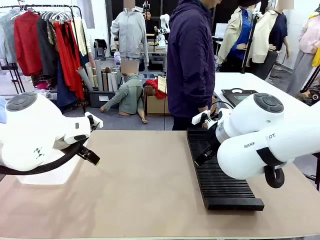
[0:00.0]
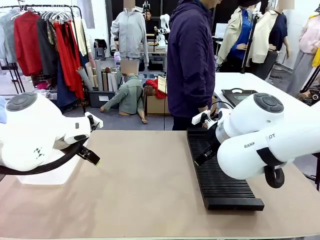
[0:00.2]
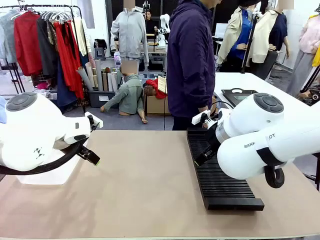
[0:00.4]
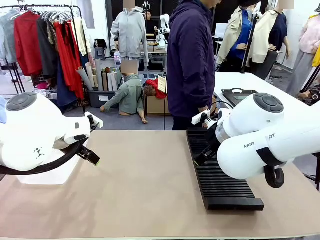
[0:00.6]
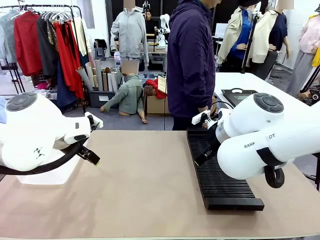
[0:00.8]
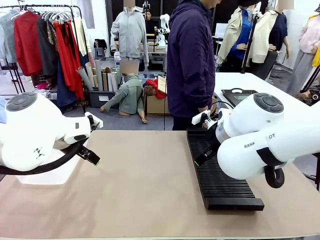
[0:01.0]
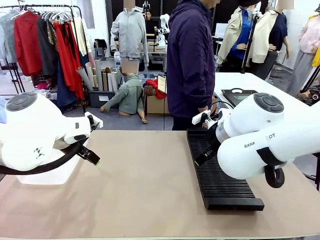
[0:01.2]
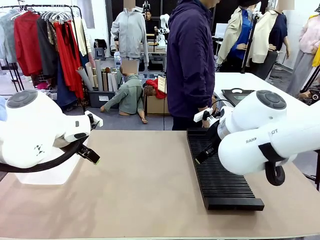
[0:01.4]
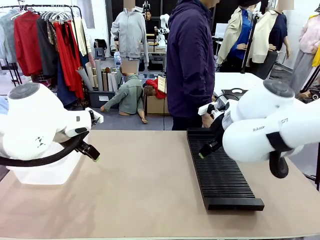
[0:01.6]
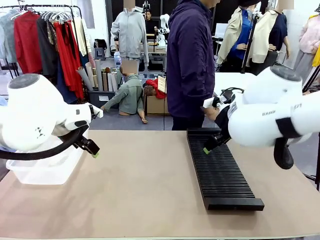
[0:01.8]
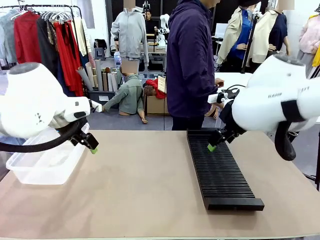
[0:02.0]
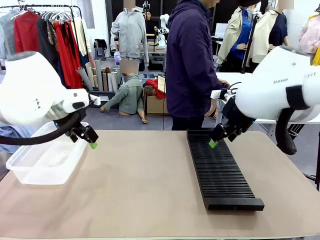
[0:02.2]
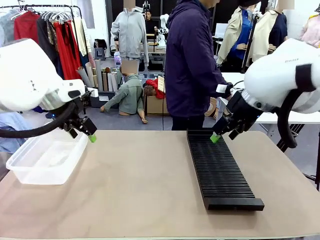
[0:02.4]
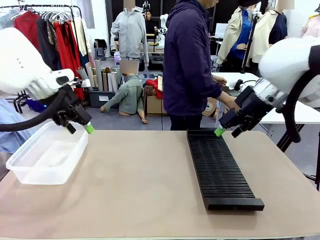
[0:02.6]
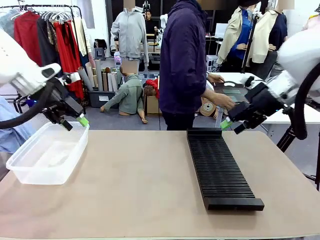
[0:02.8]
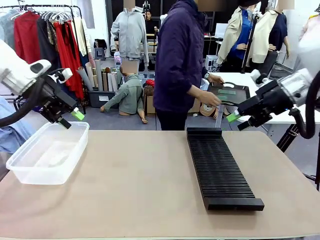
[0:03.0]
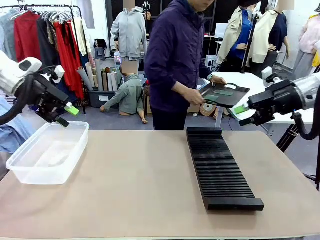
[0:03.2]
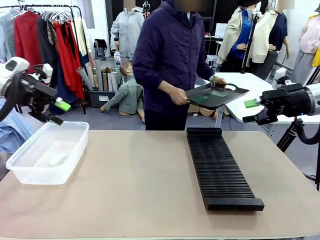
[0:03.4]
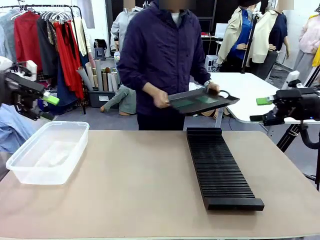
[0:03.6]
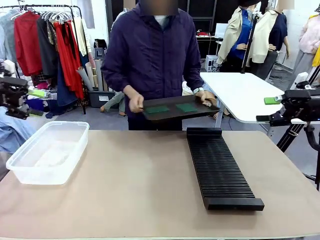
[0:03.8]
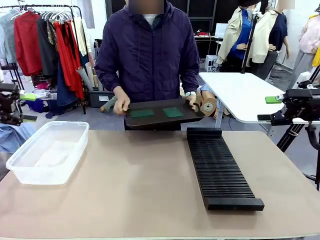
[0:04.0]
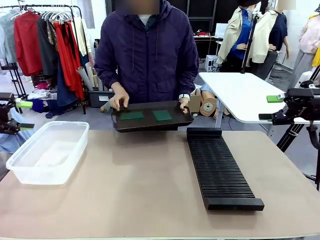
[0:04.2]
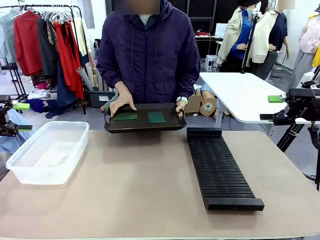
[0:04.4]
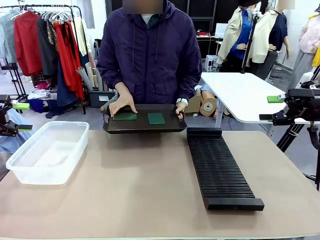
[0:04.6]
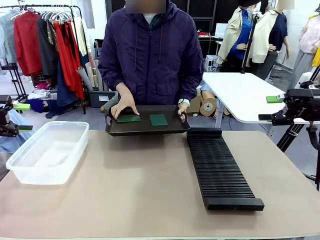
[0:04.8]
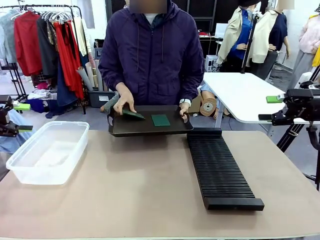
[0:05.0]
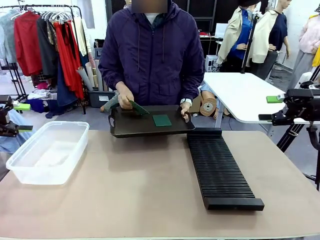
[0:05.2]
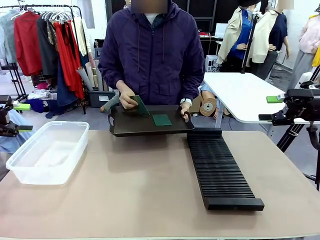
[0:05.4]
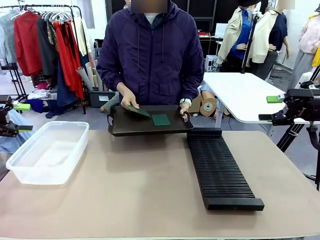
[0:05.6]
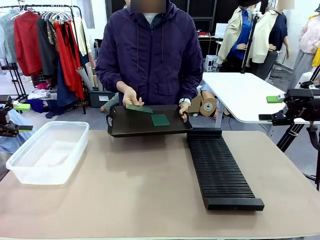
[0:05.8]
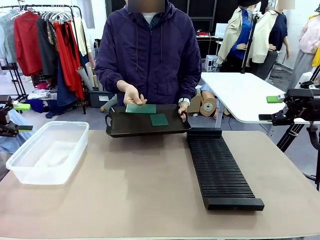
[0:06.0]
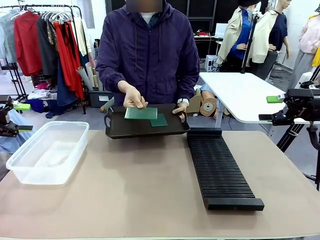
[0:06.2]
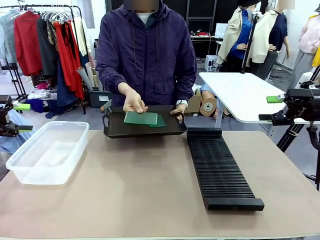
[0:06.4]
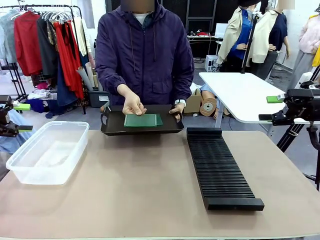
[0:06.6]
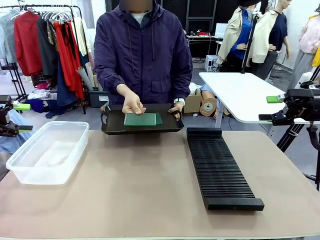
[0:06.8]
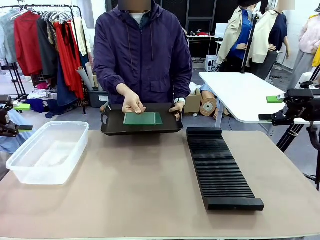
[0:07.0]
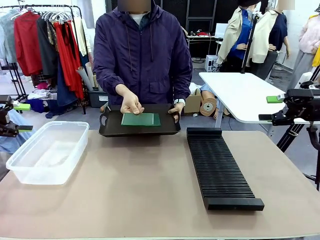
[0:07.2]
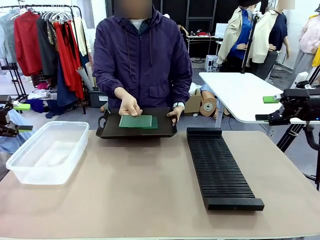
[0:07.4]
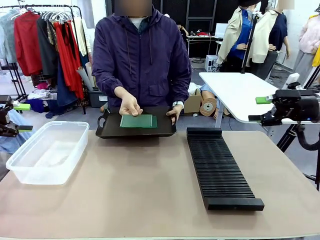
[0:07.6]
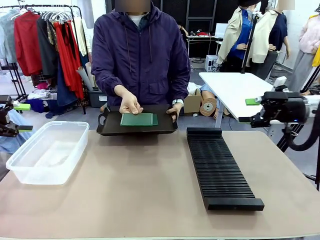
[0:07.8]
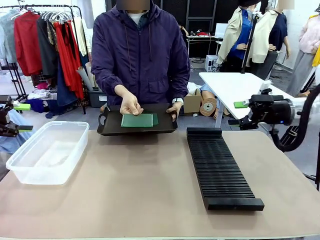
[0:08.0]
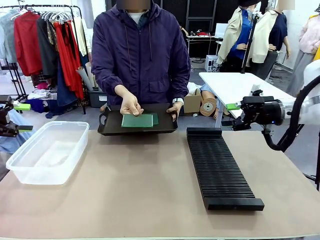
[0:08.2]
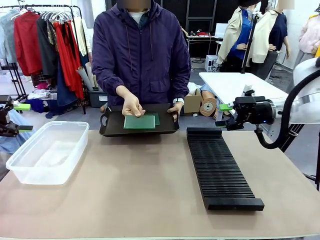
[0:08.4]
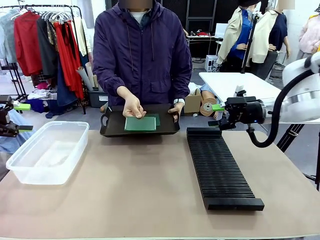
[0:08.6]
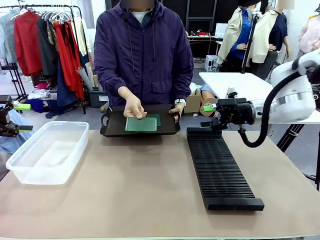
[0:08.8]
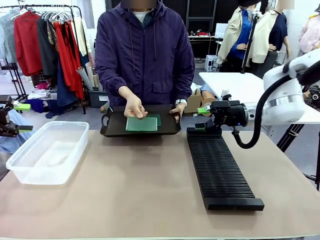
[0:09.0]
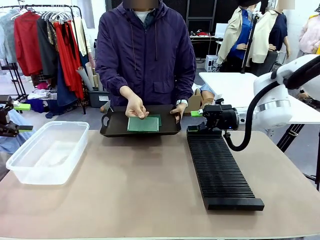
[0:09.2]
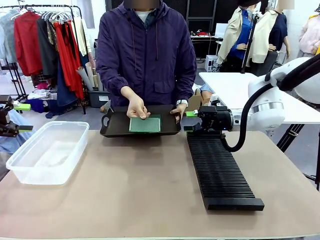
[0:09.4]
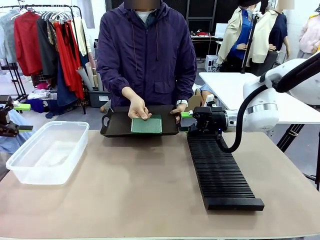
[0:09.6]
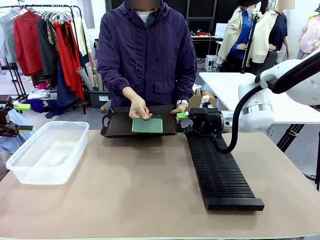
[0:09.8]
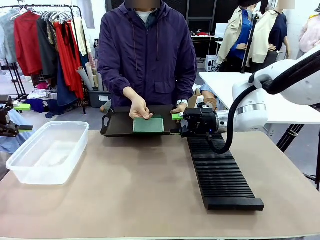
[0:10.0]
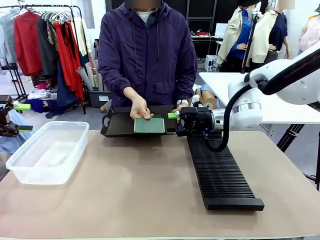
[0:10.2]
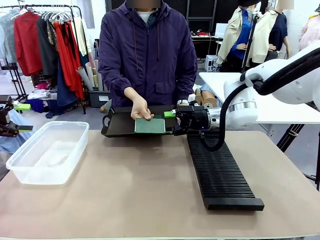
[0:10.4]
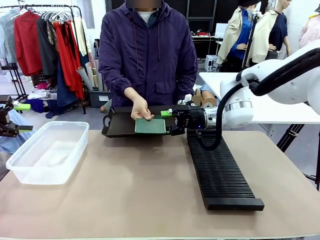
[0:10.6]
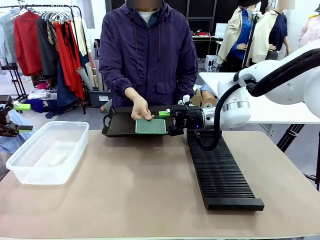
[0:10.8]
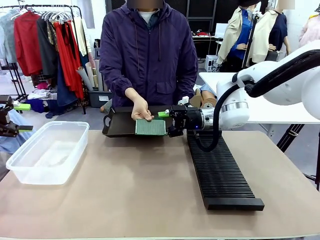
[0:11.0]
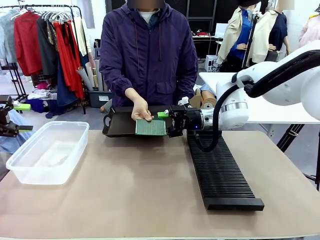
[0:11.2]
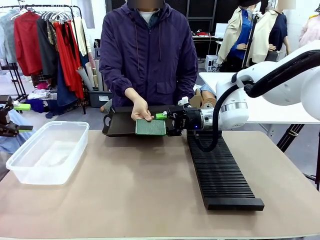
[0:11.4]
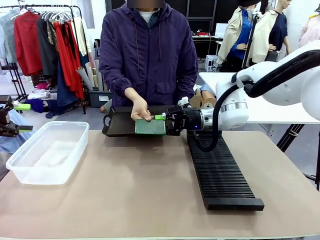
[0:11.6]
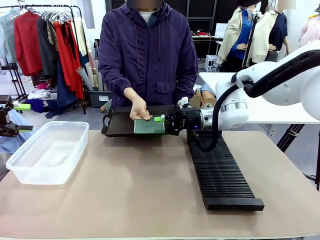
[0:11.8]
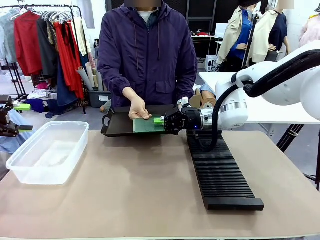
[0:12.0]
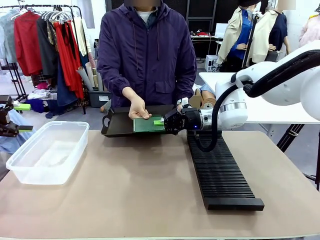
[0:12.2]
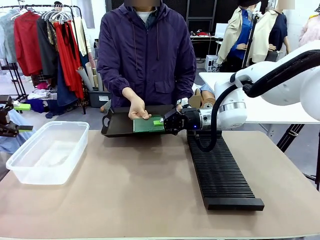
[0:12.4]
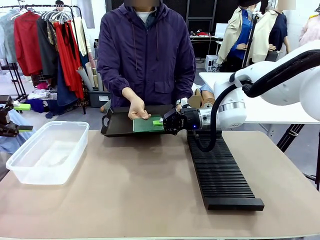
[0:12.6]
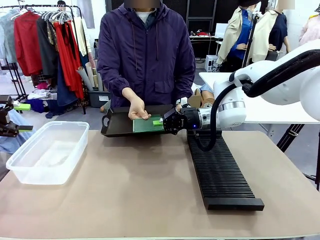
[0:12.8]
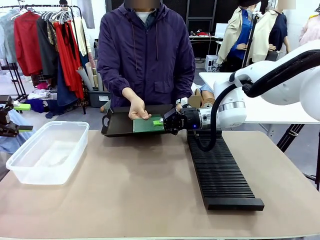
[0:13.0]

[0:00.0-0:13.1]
Task: Sort PCBs into racks and boxes based on the side picked up.
Robot: Pick up the Blank PCB handed by the Human.
Person: Pick one PCB from the tray and present it to the robot. Release the PCB being held.

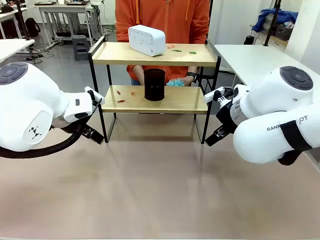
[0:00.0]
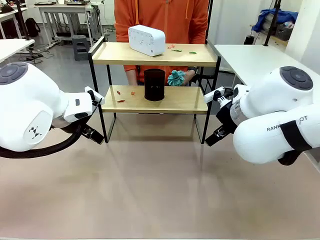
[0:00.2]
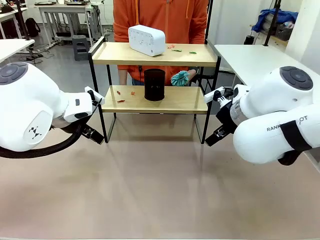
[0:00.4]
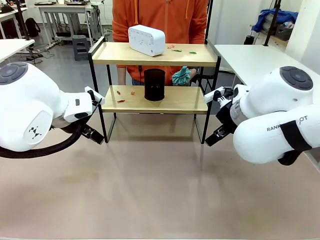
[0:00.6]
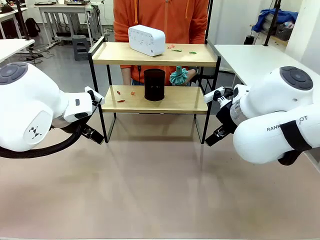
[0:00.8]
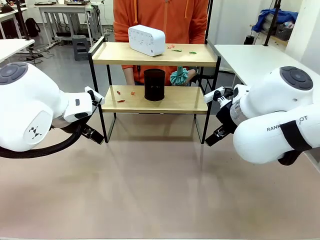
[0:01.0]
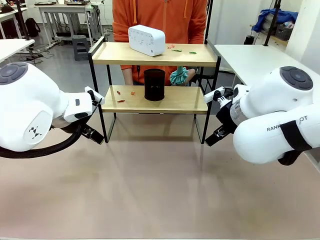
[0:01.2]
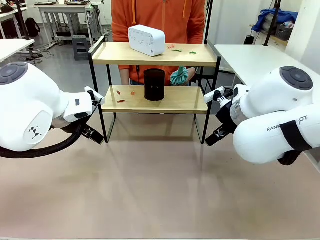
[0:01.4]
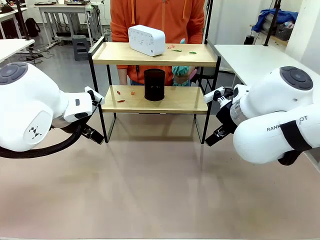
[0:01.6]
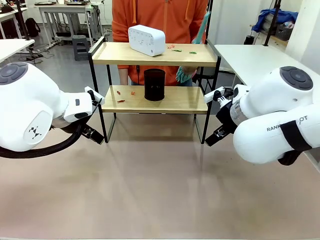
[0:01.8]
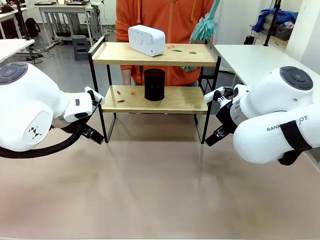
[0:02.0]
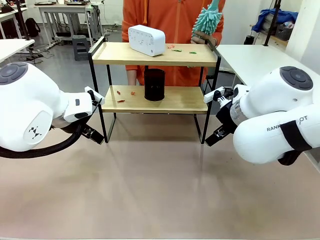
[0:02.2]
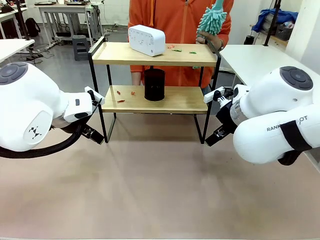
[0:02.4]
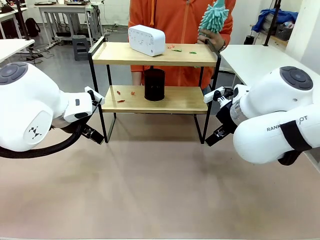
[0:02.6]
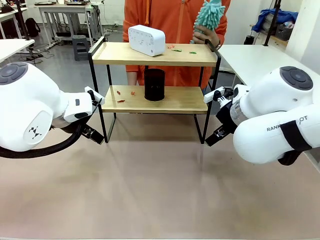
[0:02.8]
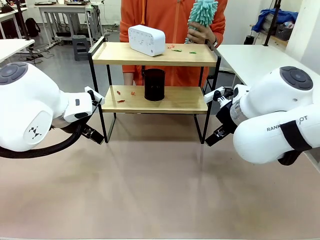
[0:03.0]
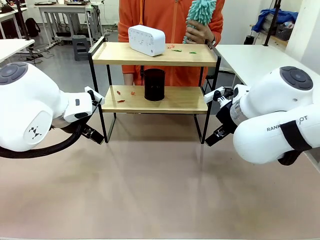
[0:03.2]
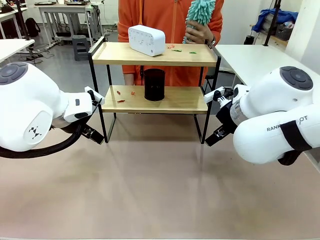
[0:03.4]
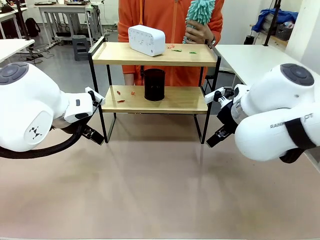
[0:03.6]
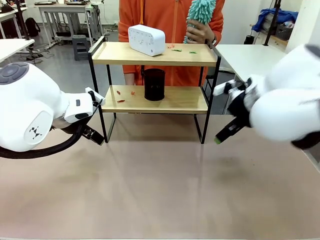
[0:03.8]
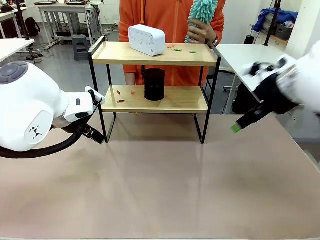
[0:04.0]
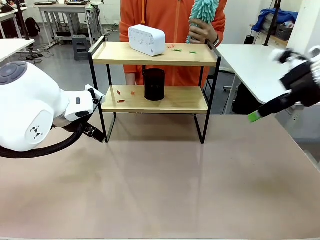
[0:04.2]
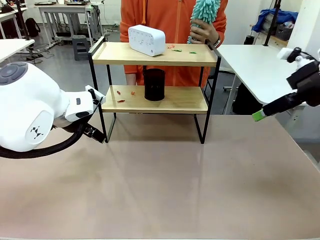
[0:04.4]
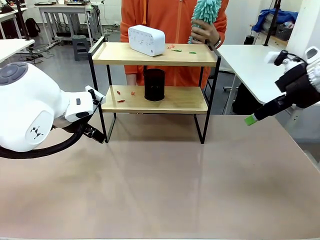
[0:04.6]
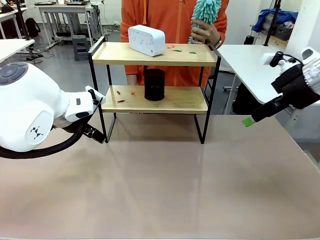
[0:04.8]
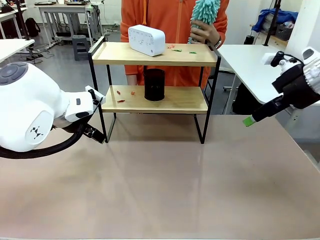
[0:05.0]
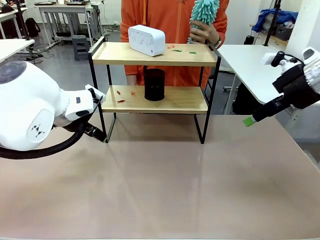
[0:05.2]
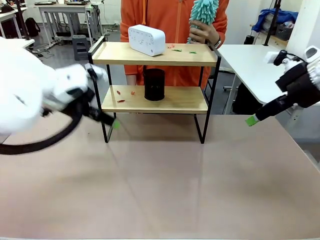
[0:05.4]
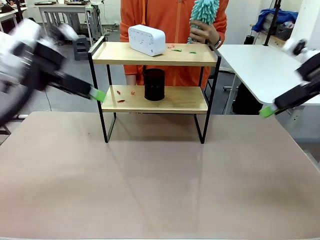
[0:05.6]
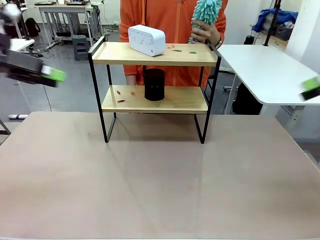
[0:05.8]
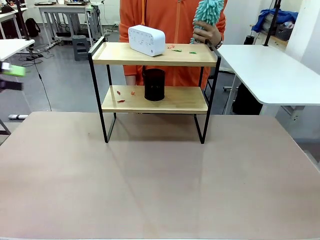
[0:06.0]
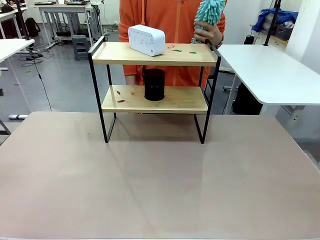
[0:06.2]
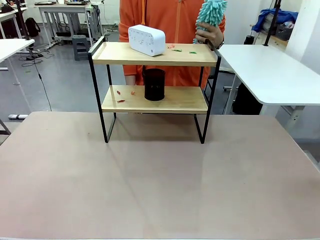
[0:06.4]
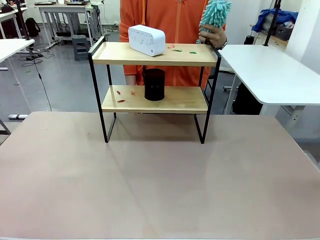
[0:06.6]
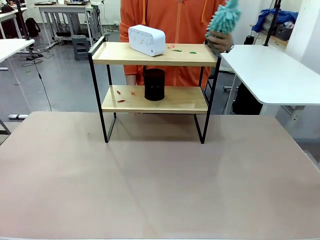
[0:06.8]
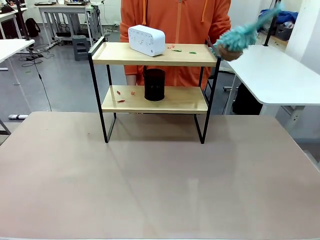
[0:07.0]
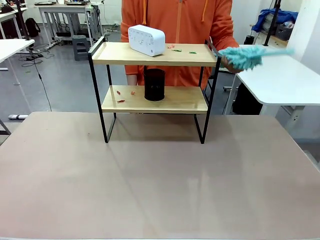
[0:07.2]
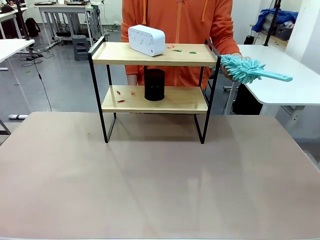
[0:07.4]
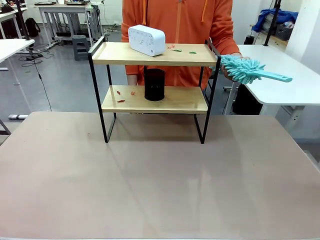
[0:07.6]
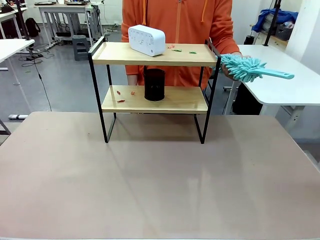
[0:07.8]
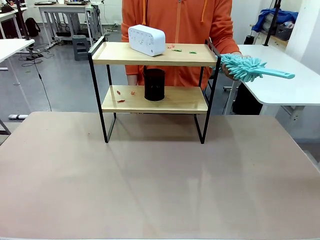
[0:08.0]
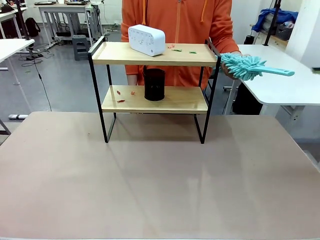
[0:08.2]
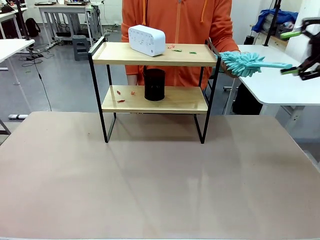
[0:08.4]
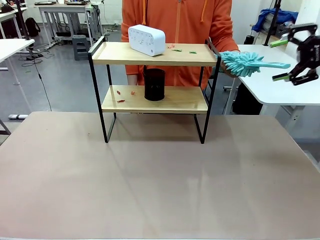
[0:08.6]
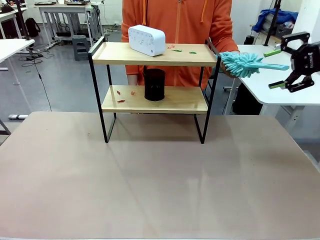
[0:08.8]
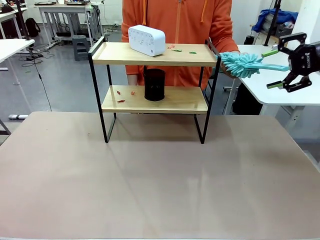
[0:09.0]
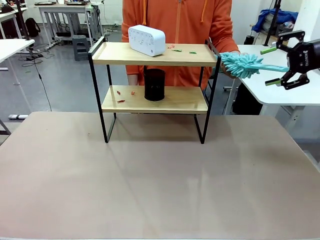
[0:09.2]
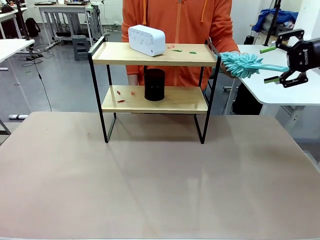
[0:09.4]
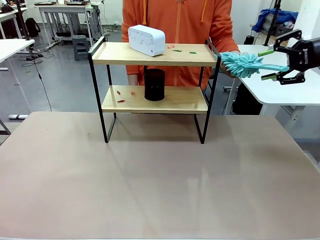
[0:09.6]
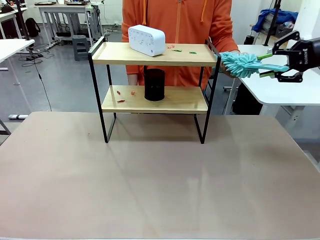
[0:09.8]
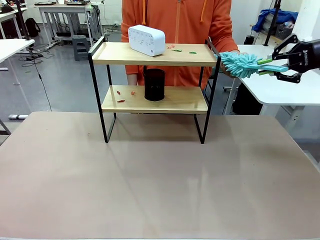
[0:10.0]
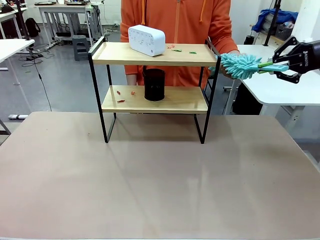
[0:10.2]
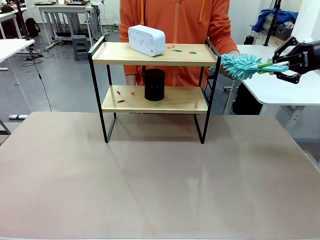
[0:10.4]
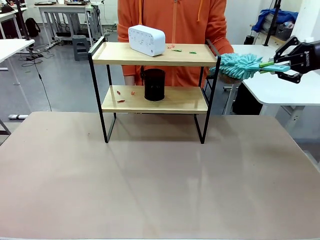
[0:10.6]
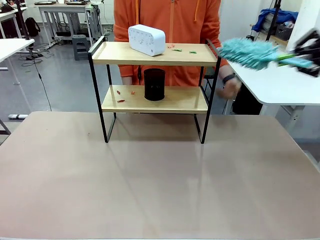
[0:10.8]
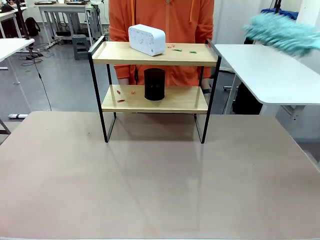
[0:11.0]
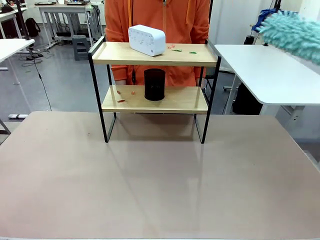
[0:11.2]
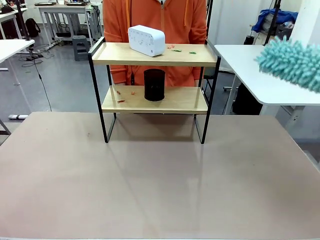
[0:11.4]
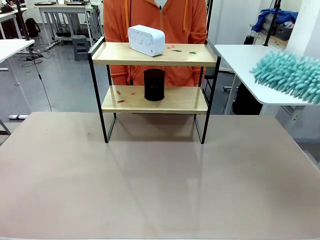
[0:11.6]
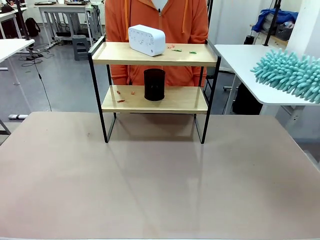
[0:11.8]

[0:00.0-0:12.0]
Task: Clean the shelf.
Robot: Pick up the Duster from the human.
Person: Hand the Duster to the robot.
